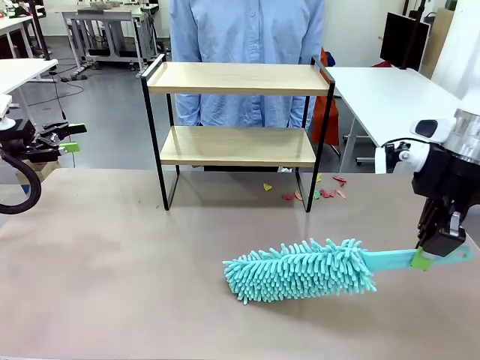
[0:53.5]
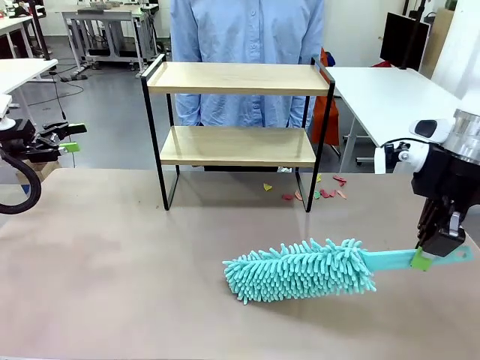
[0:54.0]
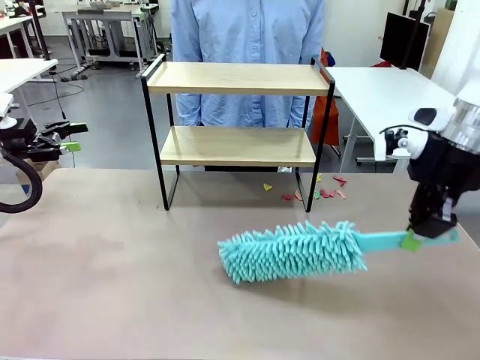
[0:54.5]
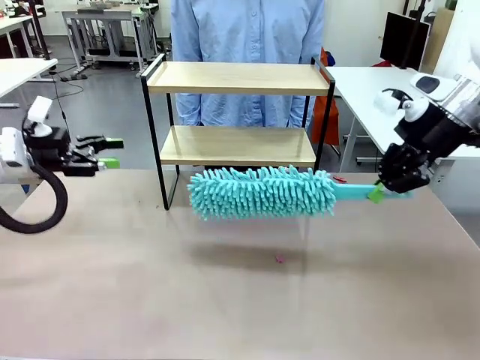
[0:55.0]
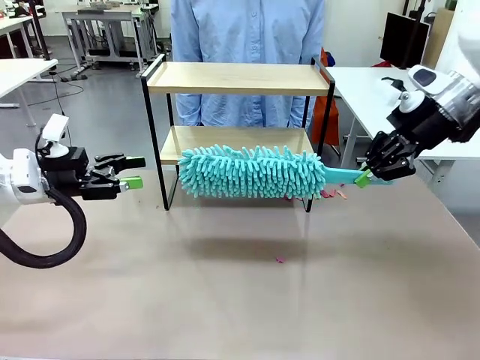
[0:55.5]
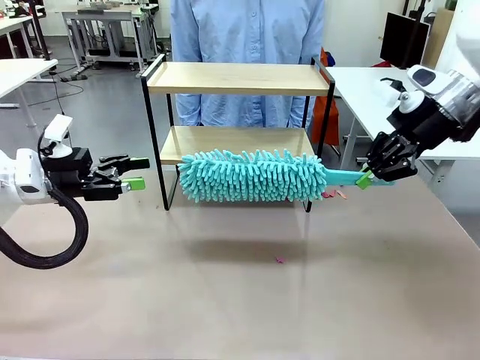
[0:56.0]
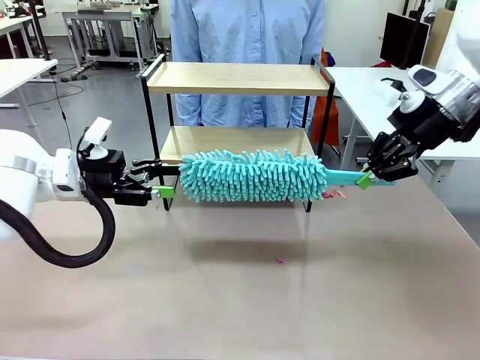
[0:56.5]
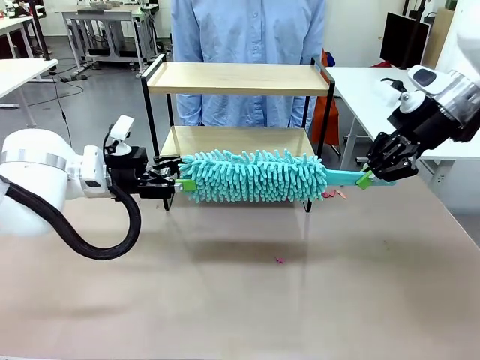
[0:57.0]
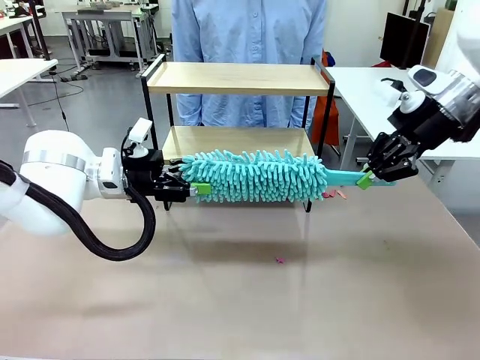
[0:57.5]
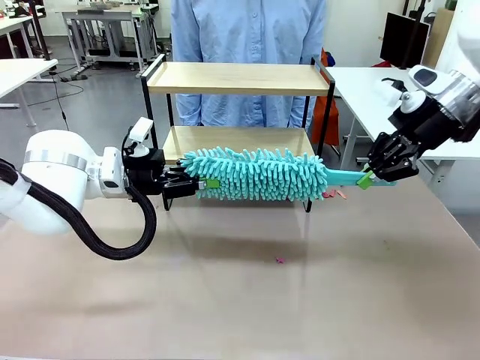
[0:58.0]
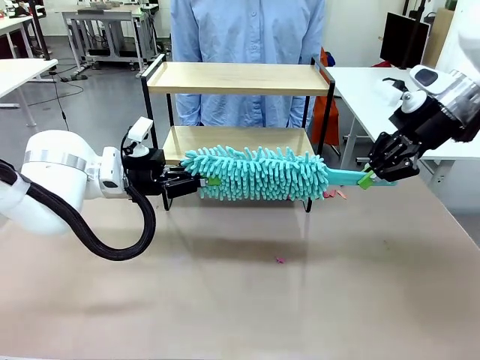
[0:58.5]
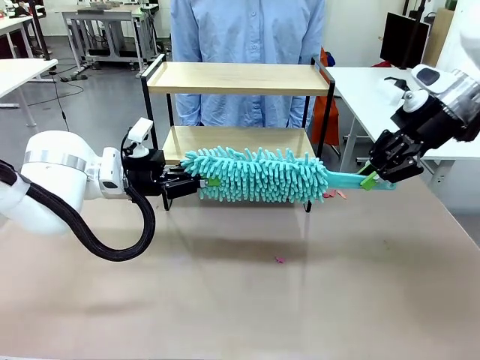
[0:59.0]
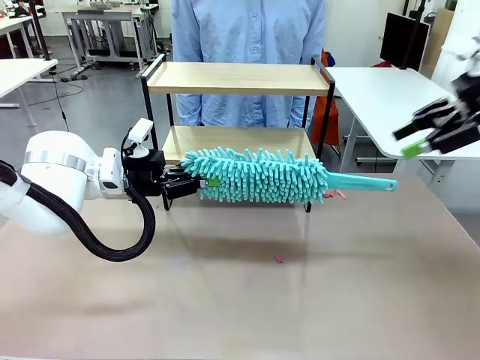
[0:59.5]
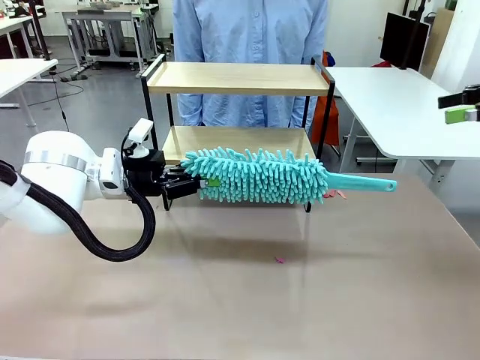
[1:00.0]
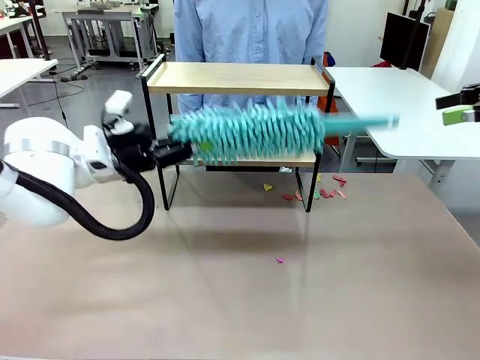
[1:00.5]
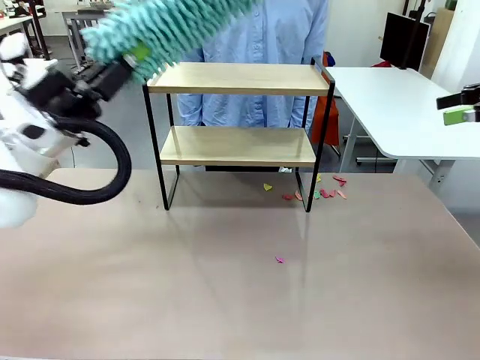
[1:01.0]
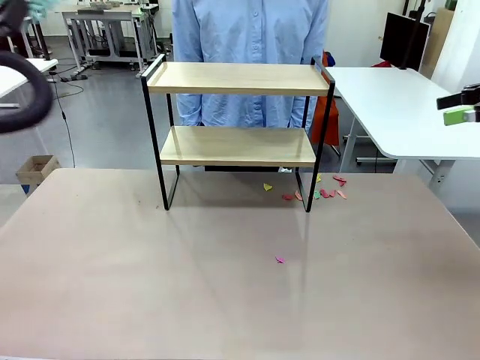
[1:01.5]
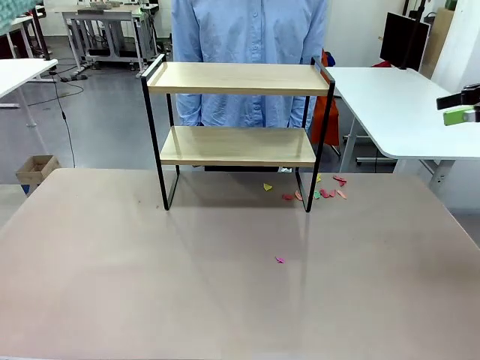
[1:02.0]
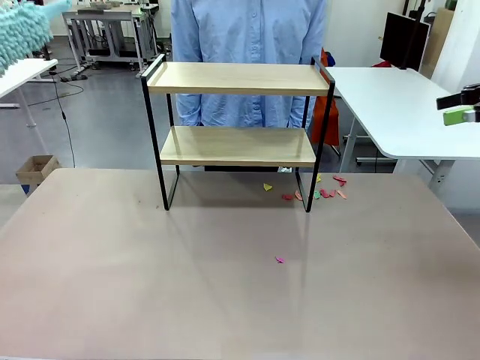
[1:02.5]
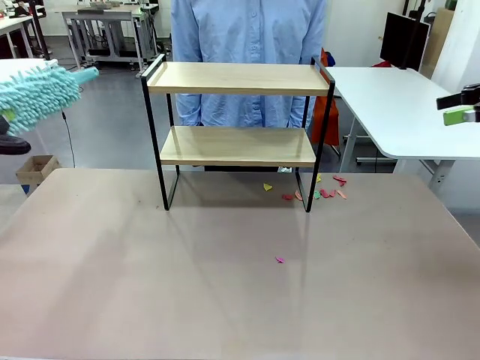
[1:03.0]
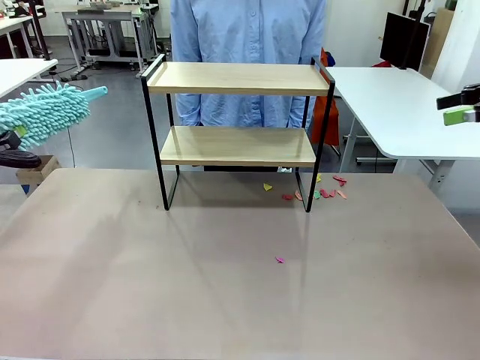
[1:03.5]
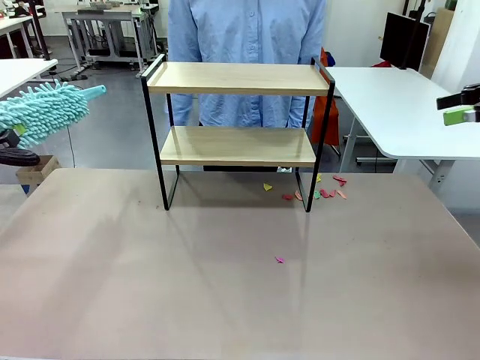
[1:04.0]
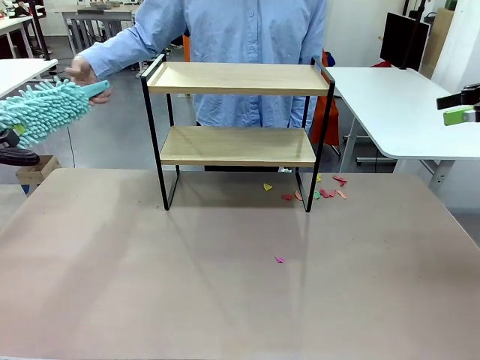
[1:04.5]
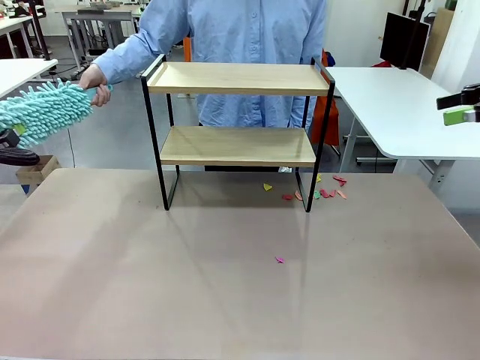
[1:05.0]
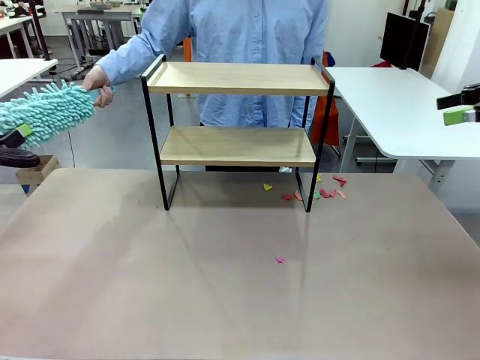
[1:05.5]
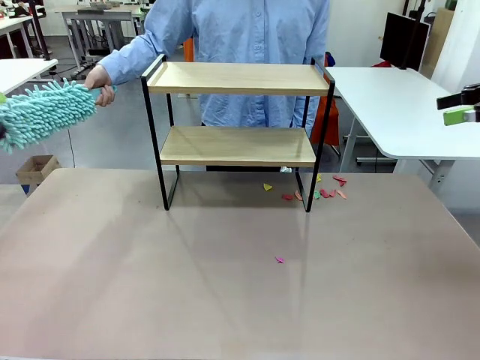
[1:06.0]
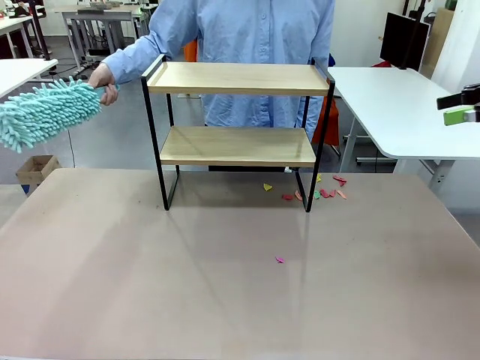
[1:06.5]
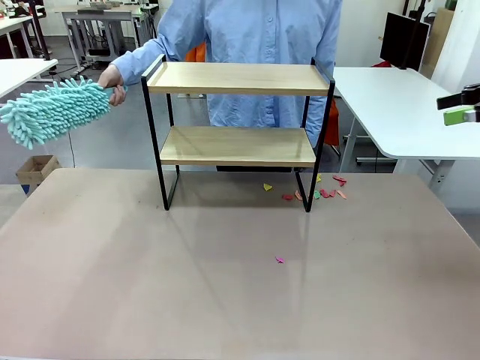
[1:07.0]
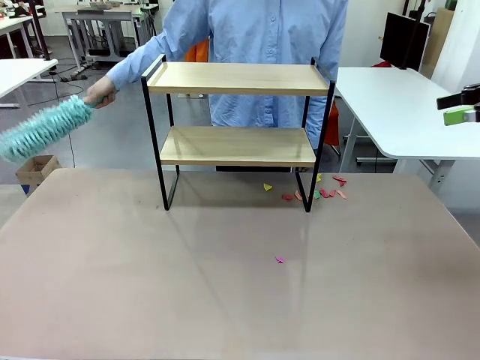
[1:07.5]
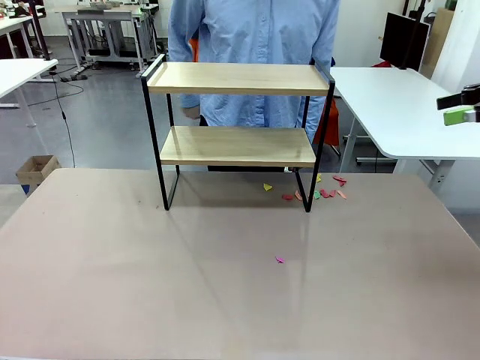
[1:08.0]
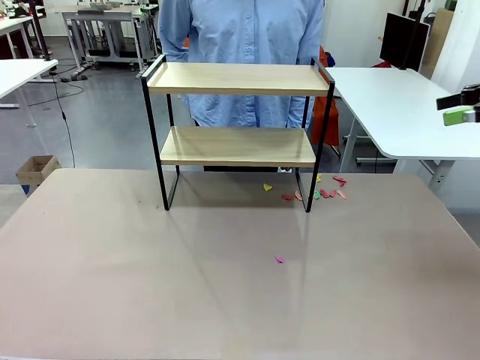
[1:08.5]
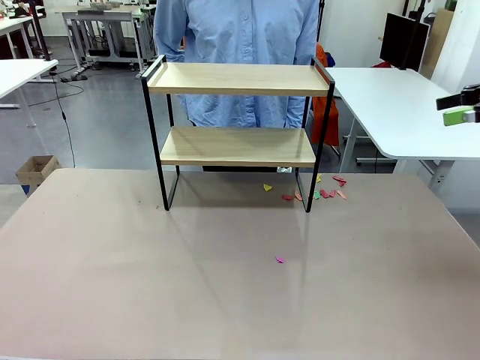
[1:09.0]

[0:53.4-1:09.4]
Task: Clean the shelf.
Robot: Hand the Duster back to the human.
Person: Receive the Duster from the robot.

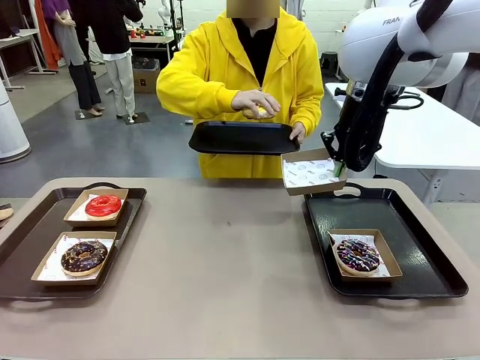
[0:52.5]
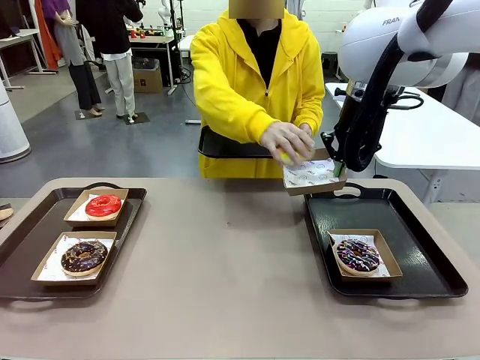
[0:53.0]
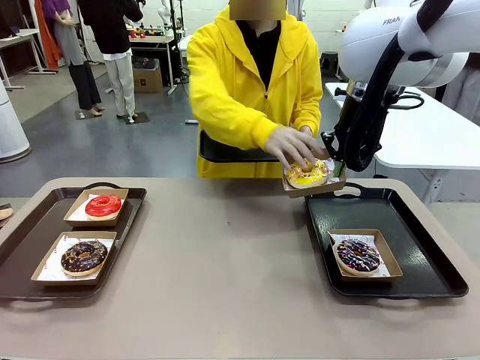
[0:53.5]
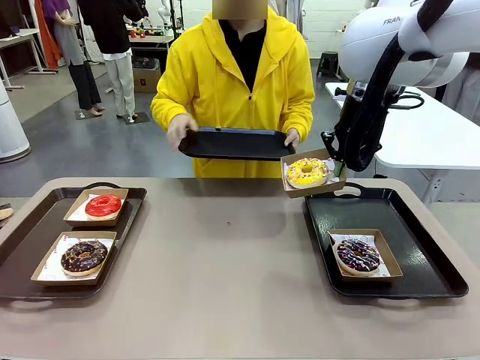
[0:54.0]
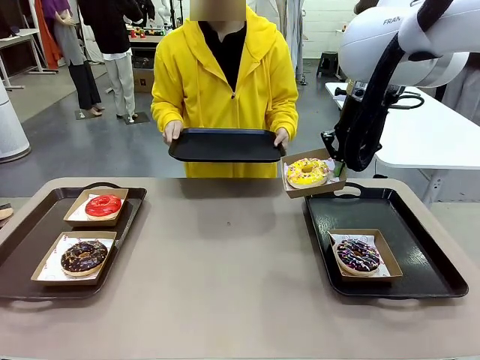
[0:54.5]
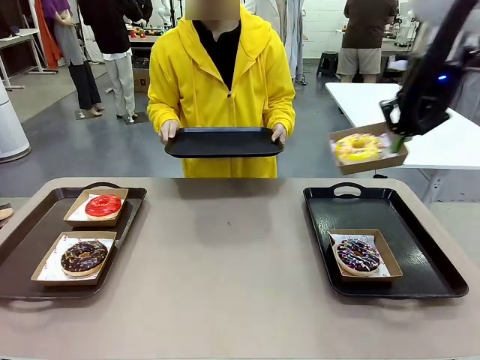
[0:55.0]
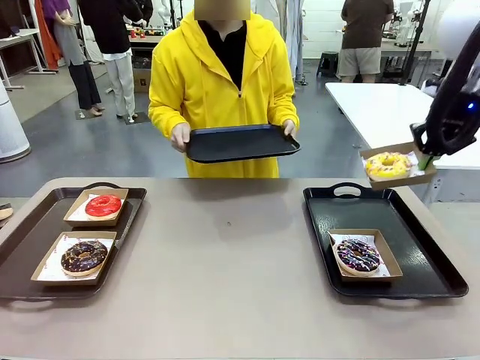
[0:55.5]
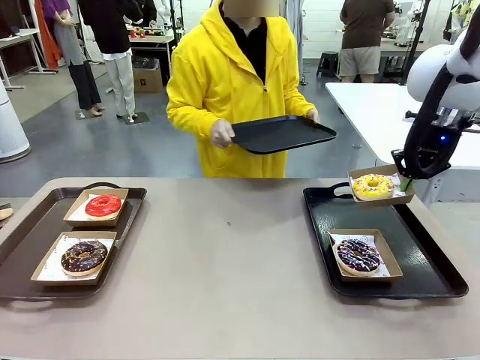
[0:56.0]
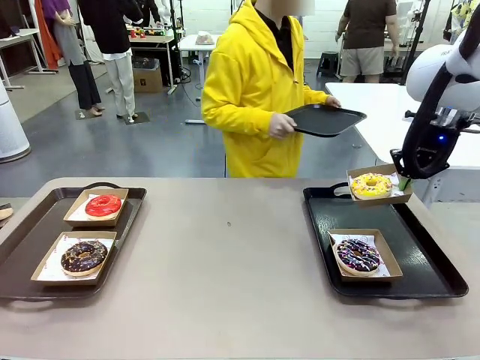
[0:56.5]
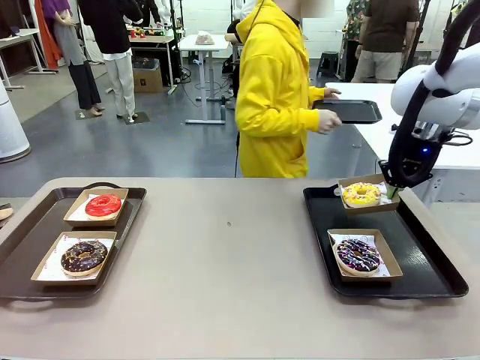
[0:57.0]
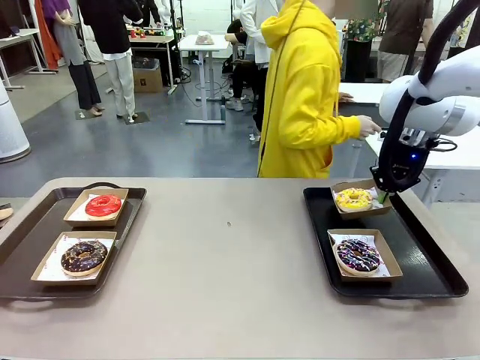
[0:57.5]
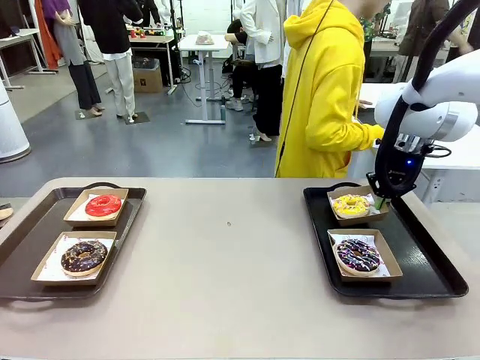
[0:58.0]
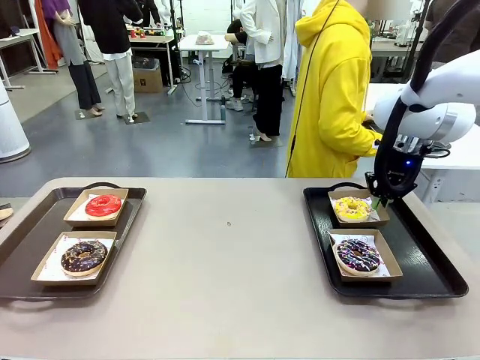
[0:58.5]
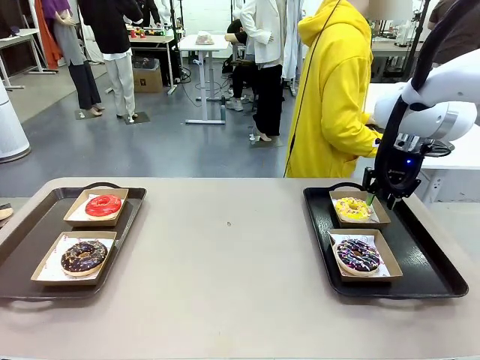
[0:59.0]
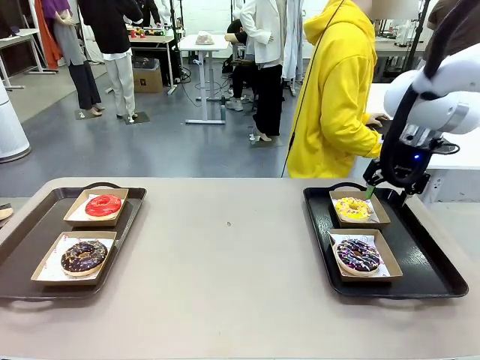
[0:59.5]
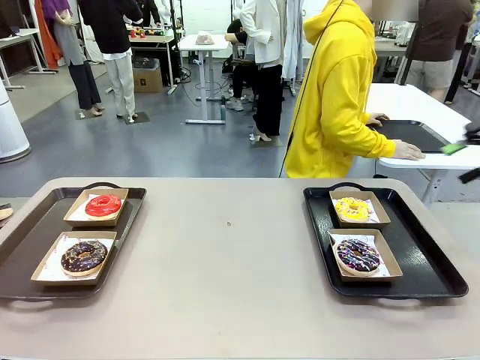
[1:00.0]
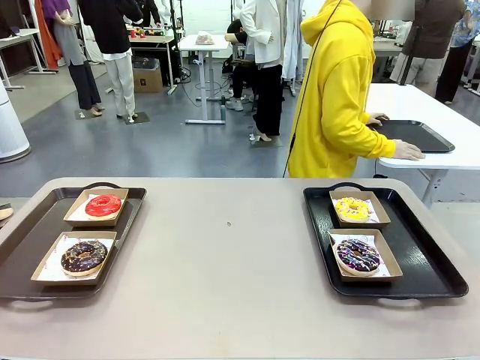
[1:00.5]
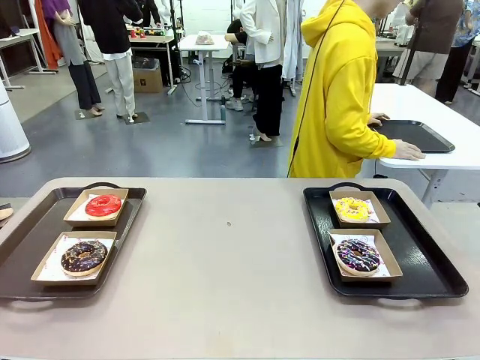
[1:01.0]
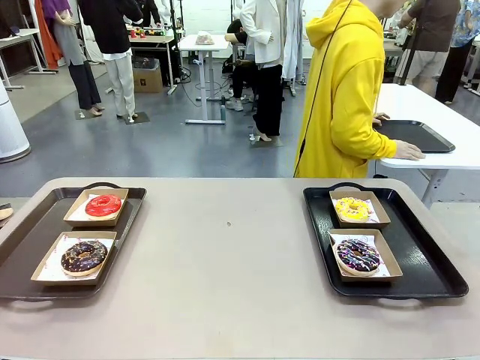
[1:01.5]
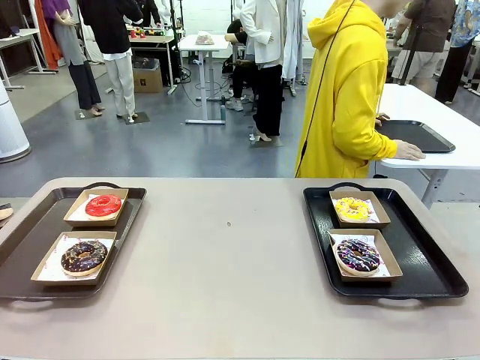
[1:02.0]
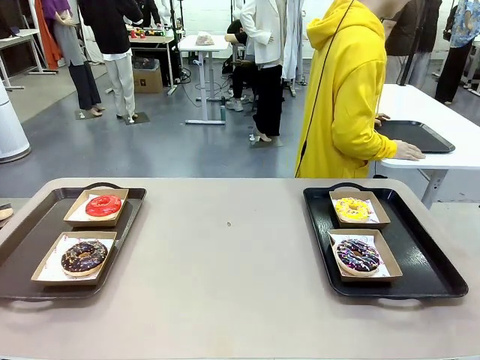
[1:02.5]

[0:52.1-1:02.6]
Task: Individually package the donuts and arrange them on the tray.
Robot: Place the picked Paper togo box on the Handle tray.
Person: Place the tray down in the middle of the human table.
